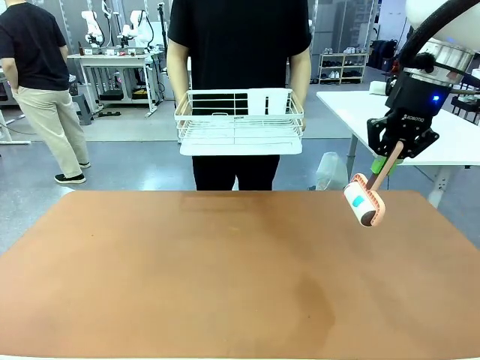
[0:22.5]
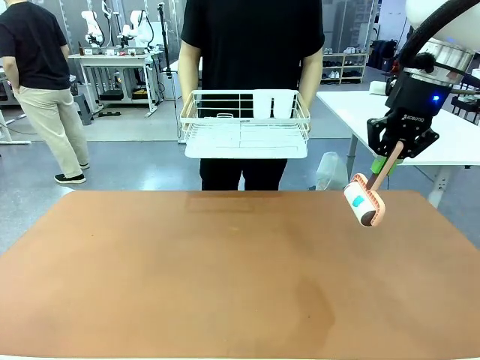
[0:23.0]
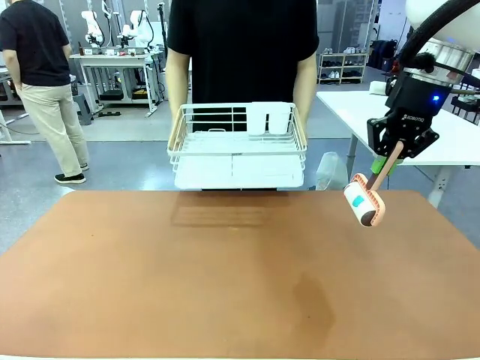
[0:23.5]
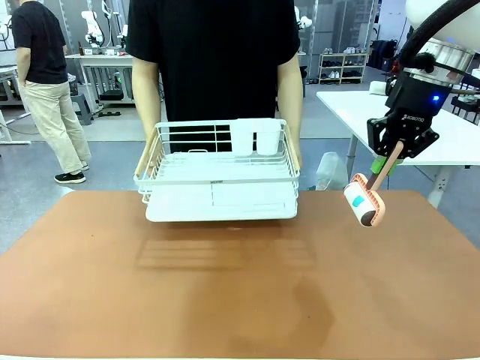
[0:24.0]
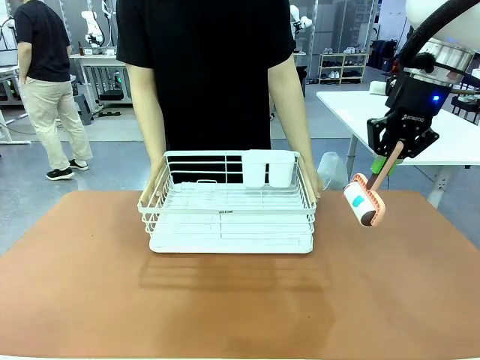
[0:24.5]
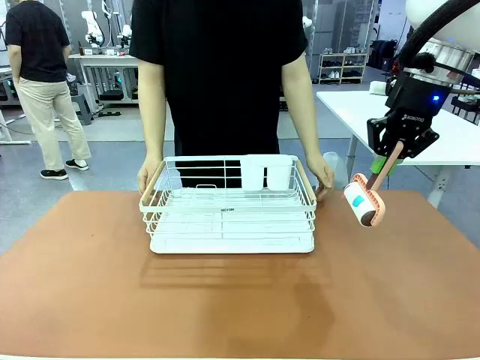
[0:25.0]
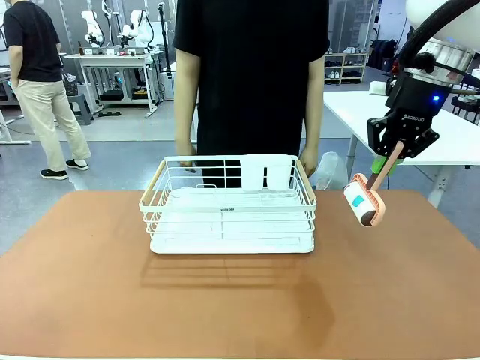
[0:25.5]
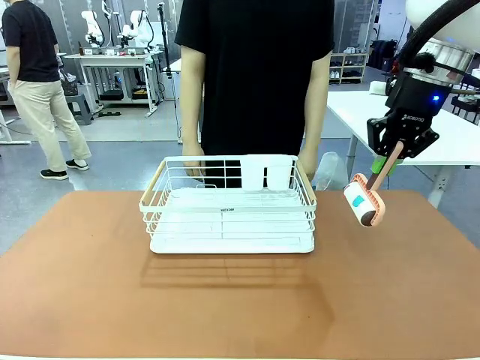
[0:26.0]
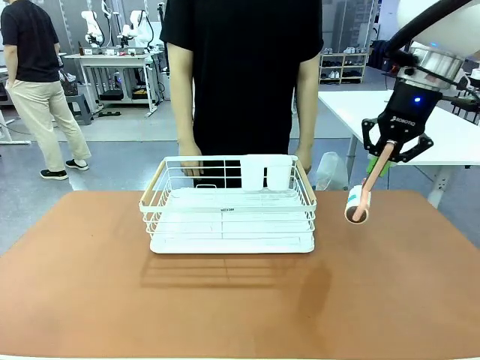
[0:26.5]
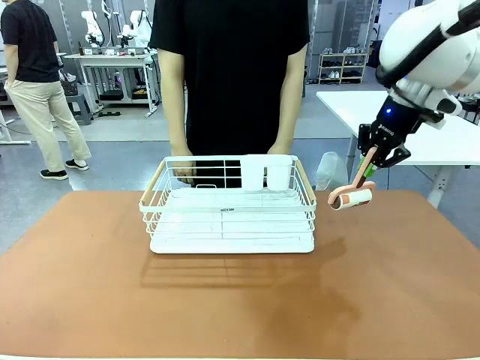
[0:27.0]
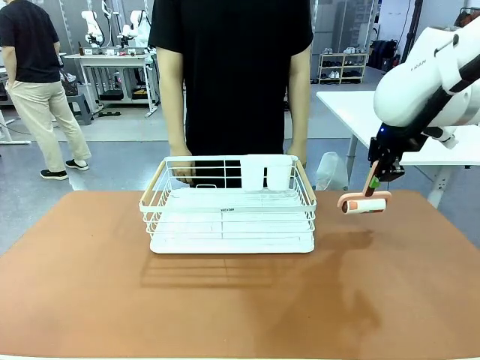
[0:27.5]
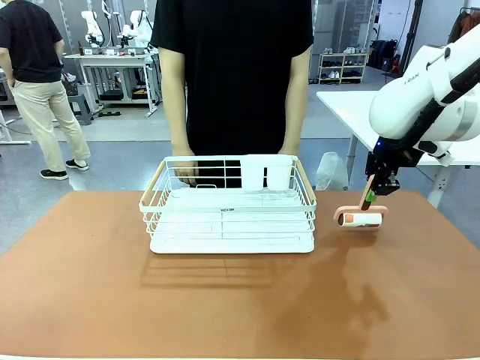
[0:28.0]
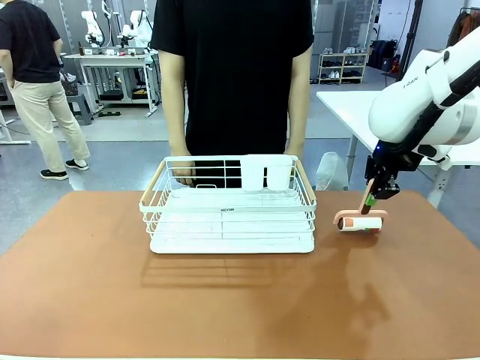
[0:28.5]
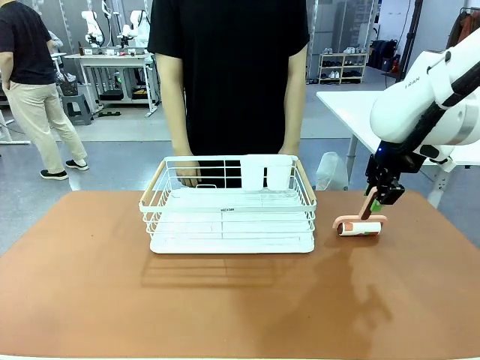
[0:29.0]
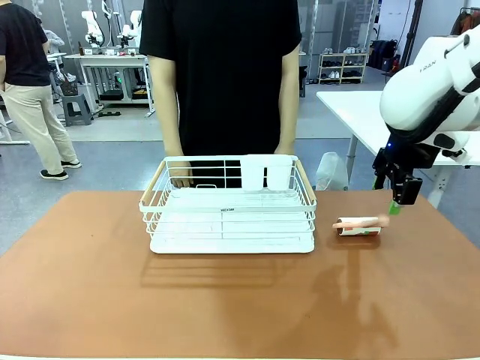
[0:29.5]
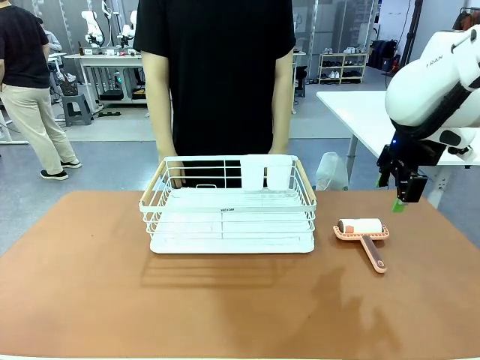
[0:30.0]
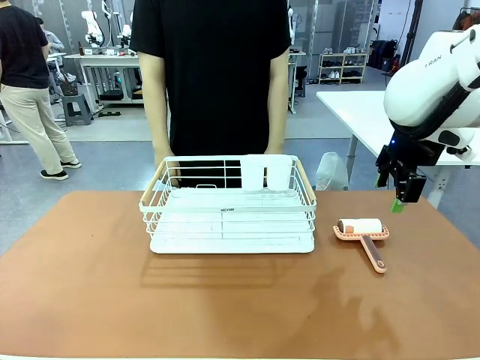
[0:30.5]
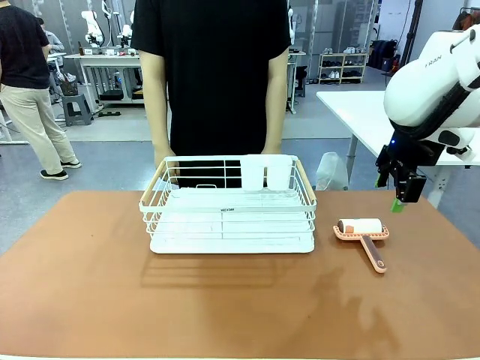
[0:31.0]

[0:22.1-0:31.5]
Task: Clean the table.
Robot: Place the Lint Roller down when the Dish drying rack is positioned in the middle of the table.
Person: Place the Dish drying rack down when the robot finishes cleaning.

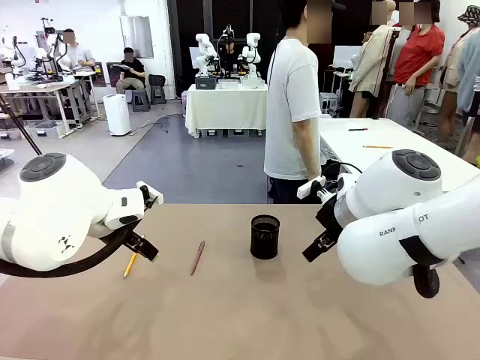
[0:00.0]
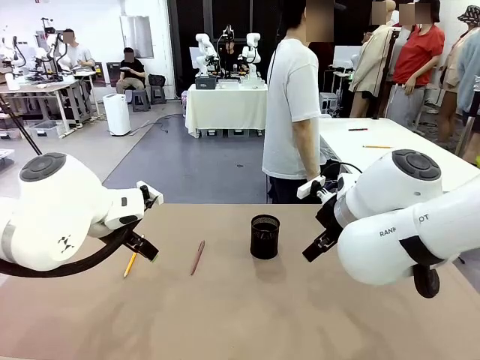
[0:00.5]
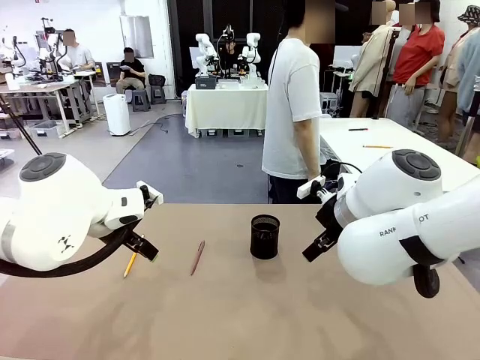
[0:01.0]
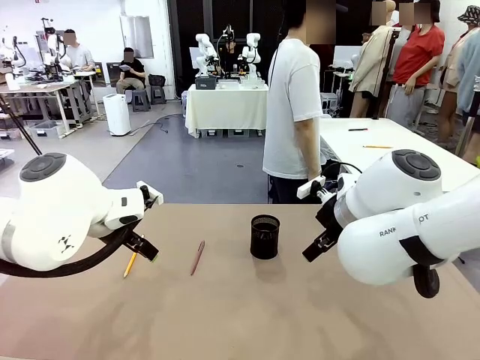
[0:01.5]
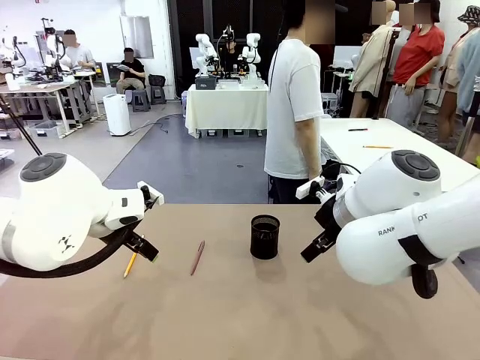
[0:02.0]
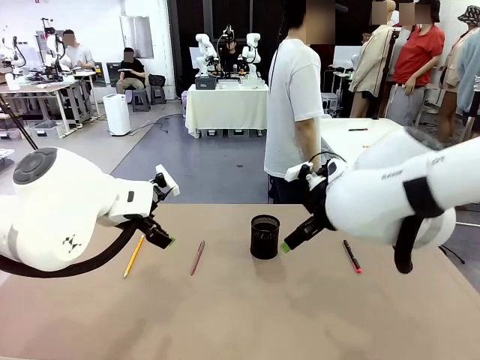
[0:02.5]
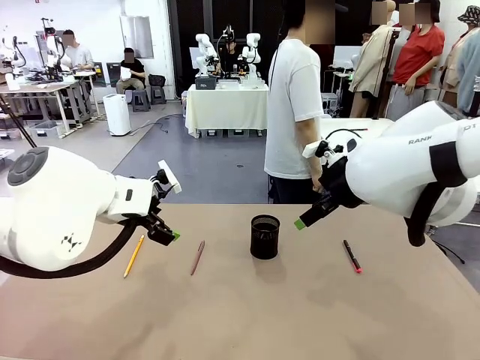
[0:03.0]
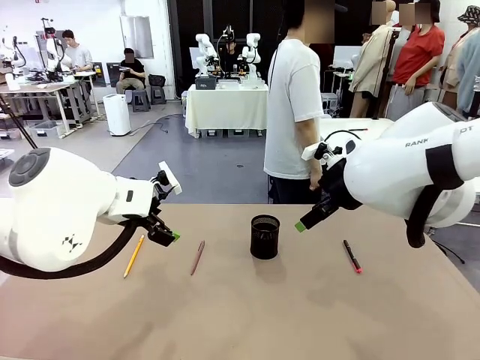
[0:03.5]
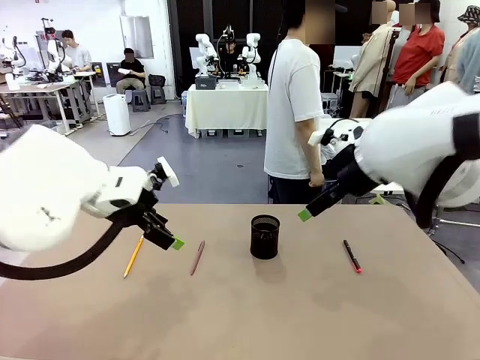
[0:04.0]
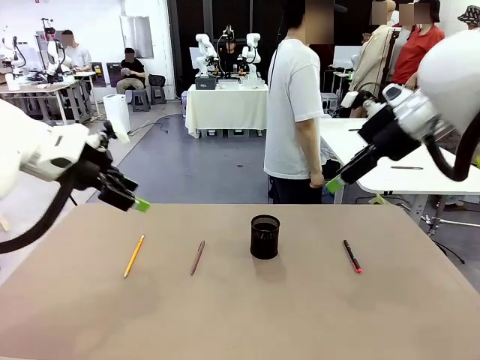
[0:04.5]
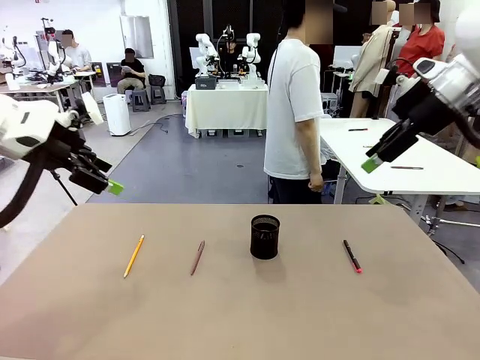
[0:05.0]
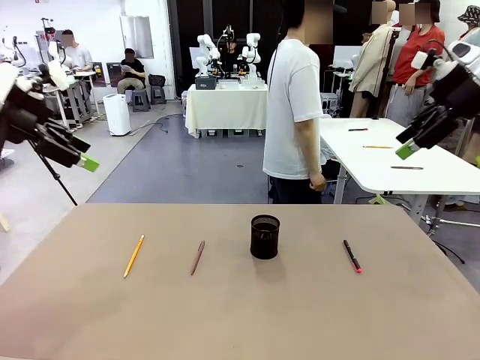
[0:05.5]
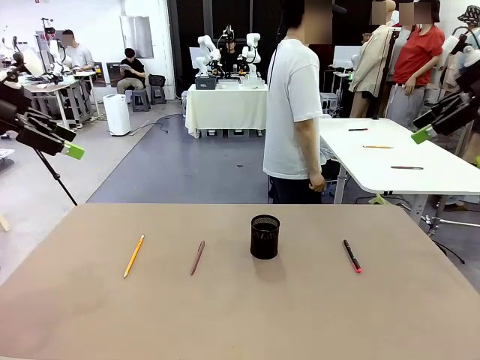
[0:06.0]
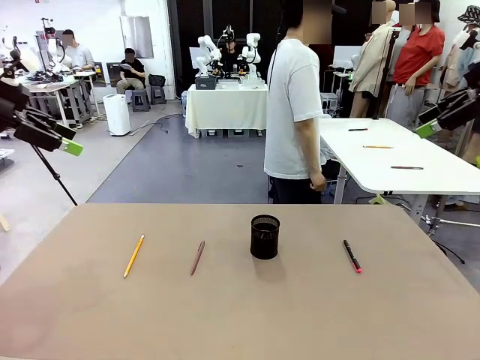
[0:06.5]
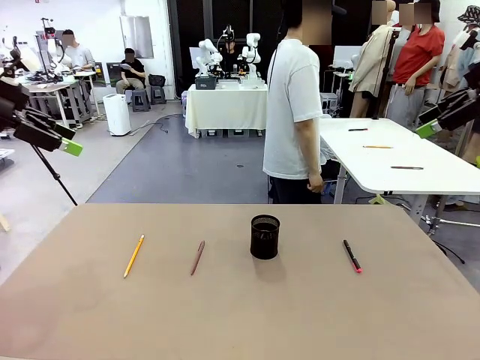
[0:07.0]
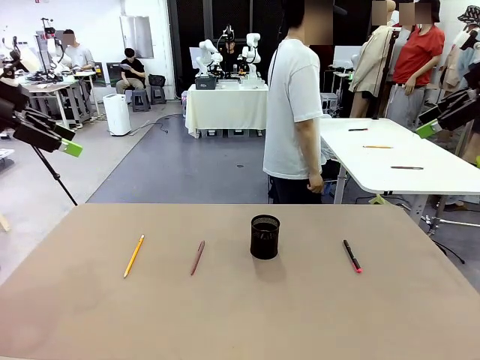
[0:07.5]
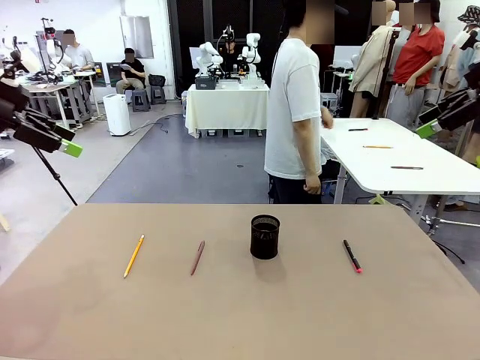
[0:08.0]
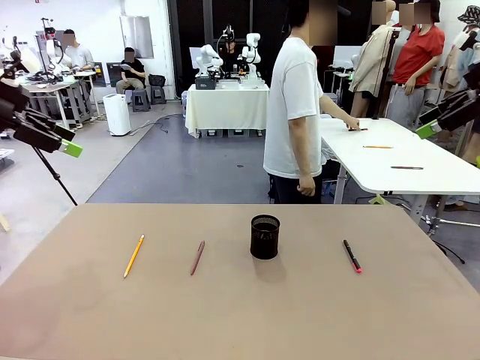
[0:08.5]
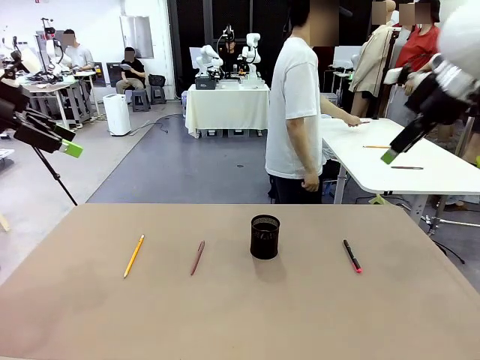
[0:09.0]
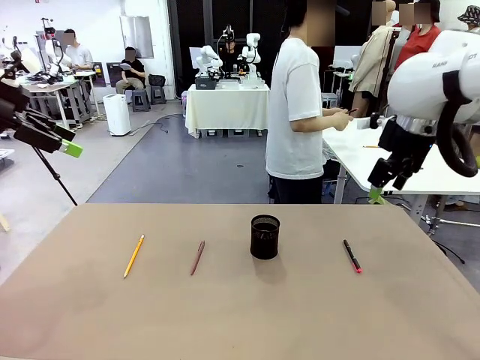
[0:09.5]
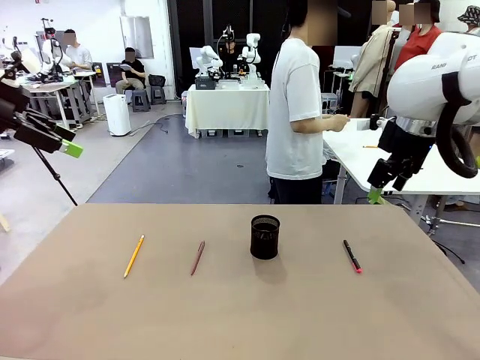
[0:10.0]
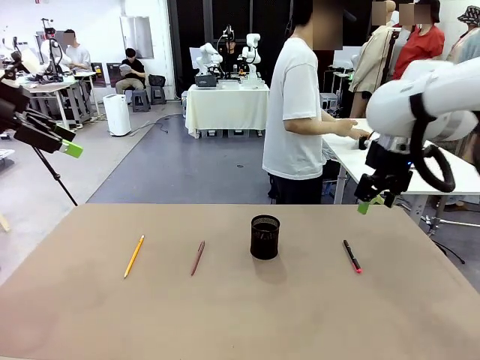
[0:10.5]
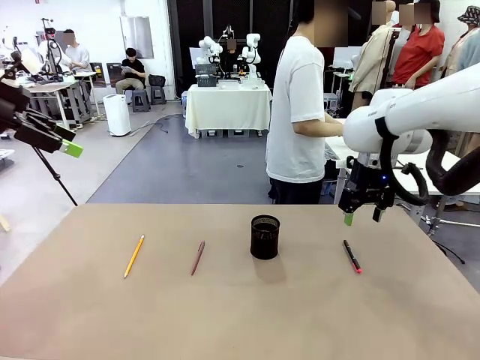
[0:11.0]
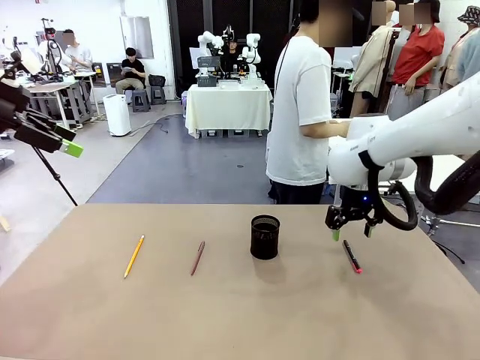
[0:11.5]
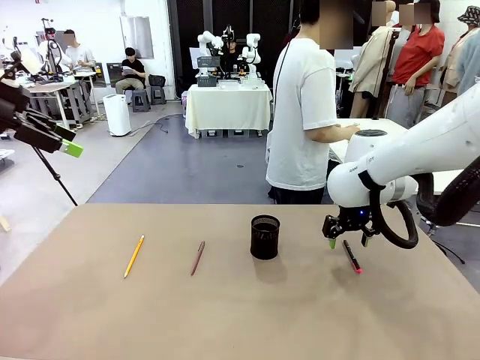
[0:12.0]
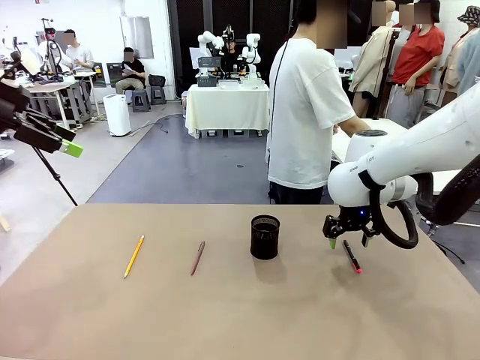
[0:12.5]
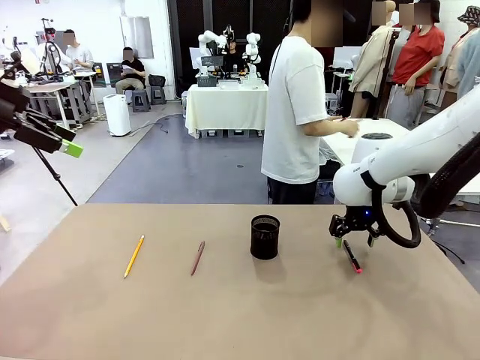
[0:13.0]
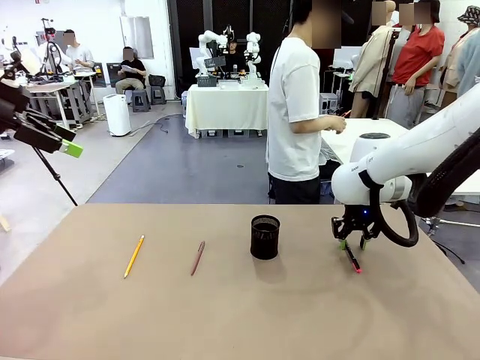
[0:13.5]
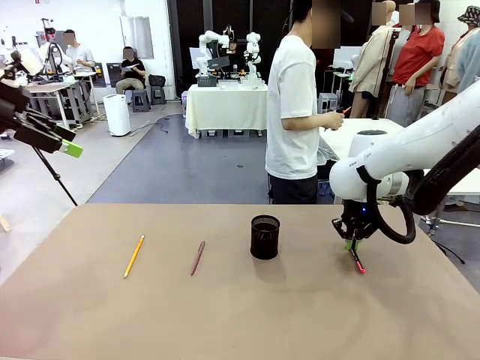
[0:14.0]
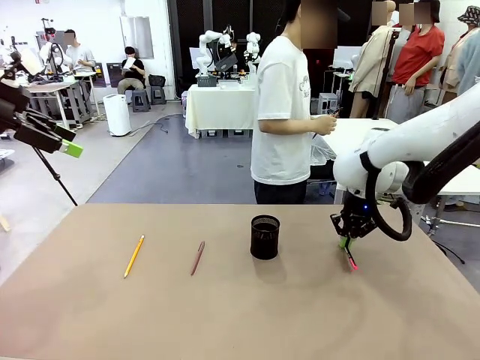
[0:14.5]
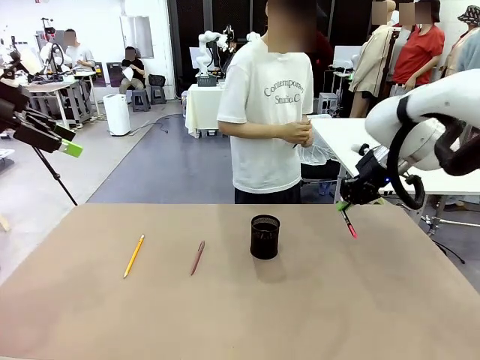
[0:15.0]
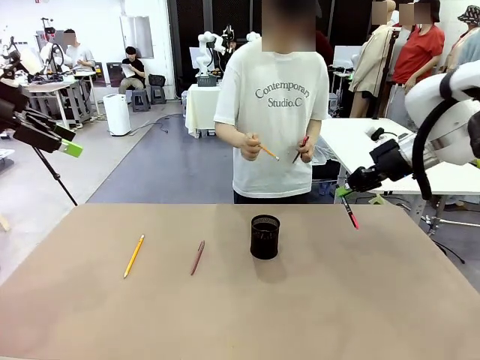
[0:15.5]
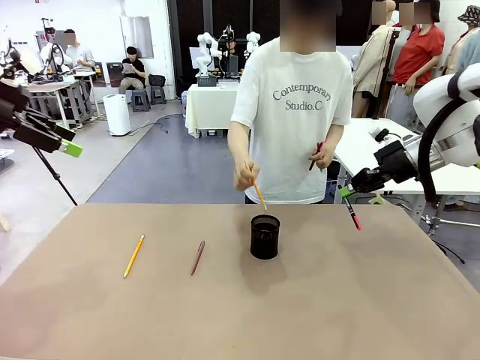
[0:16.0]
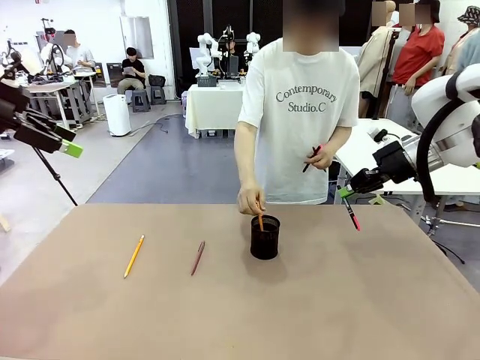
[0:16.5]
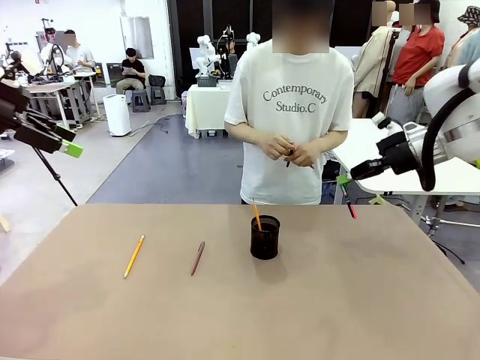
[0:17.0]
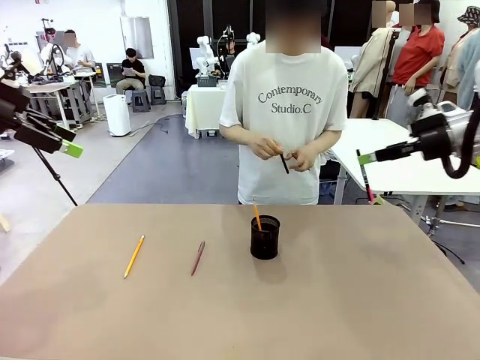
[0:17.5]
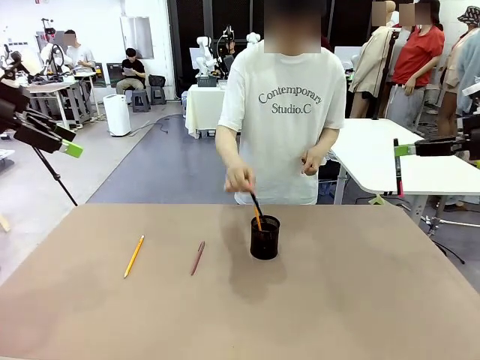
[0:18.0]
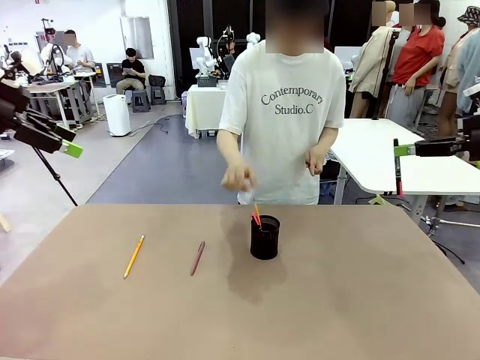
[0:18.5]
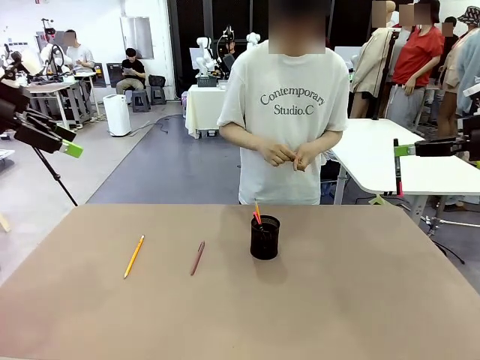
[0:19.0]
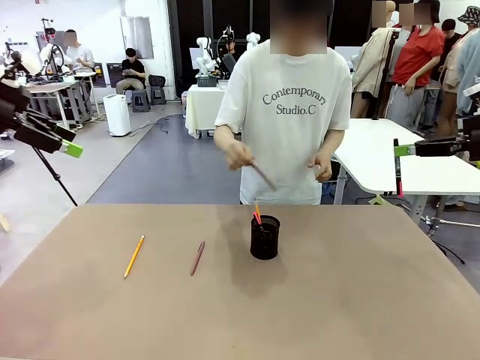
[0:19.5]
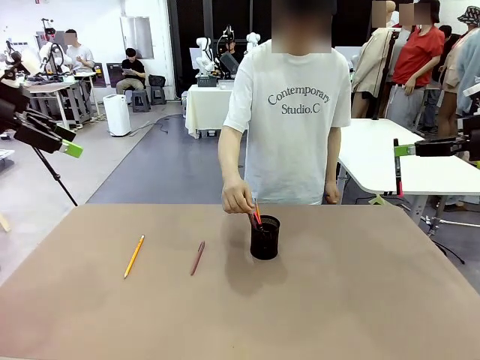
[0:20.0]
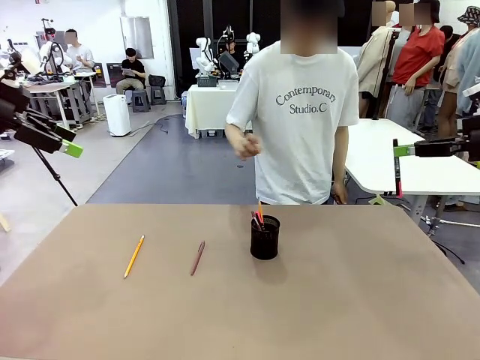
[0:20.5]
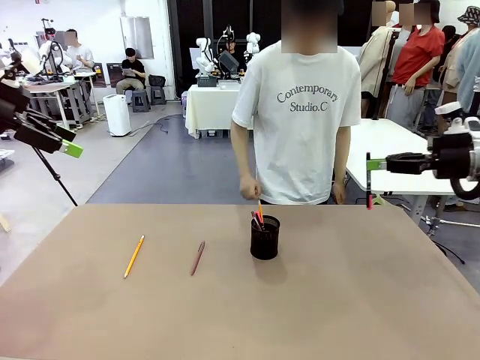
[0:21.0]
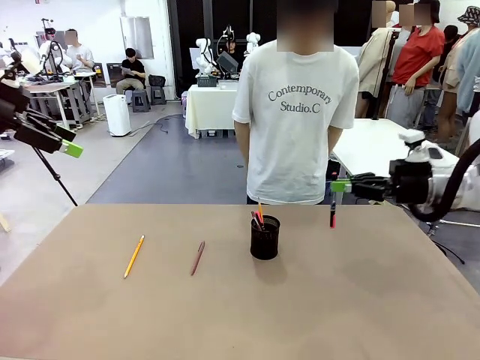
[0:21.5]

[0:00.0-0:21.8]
Task: Place the pens into the pen holder.
Robot: Pick up a writing instrument from the table and place it into the Pen holder.
Person: Pick up all writing instruments from the Human table.
